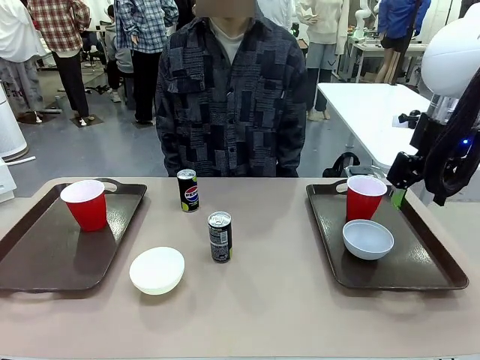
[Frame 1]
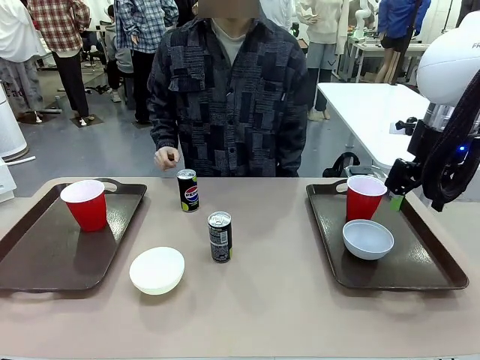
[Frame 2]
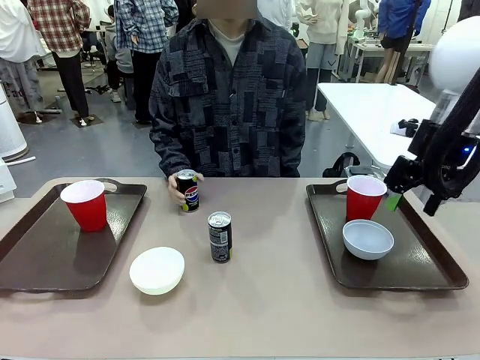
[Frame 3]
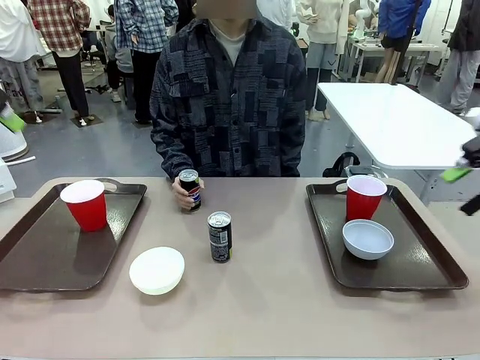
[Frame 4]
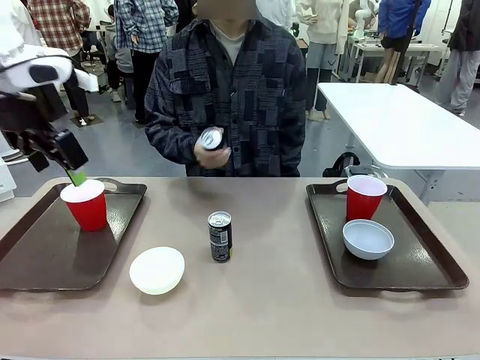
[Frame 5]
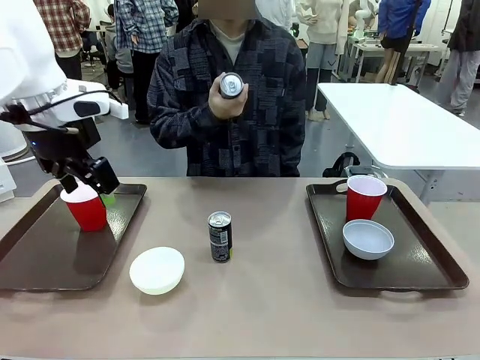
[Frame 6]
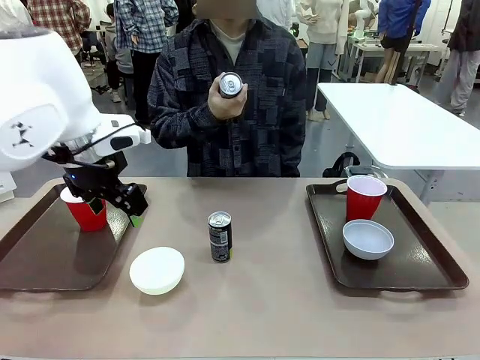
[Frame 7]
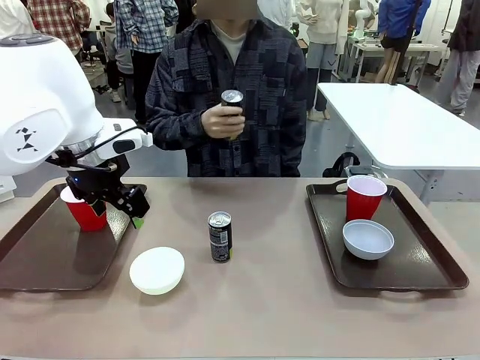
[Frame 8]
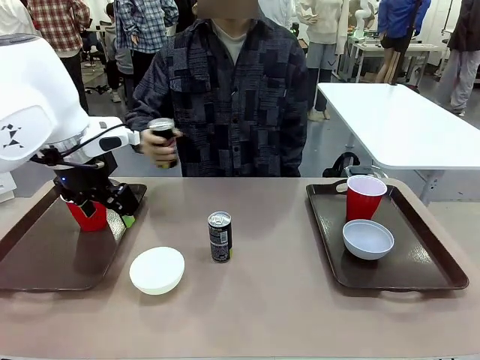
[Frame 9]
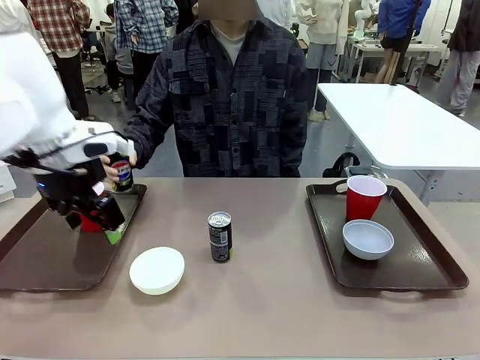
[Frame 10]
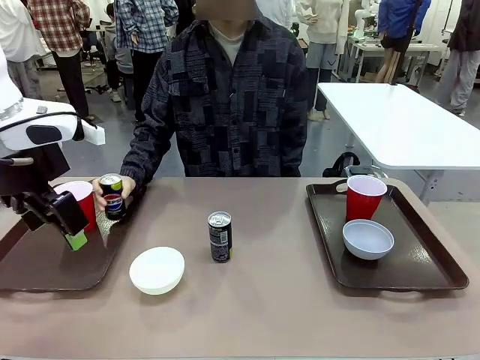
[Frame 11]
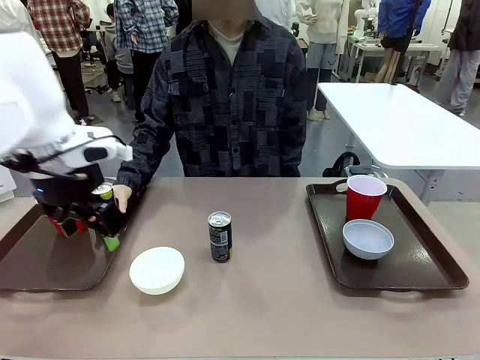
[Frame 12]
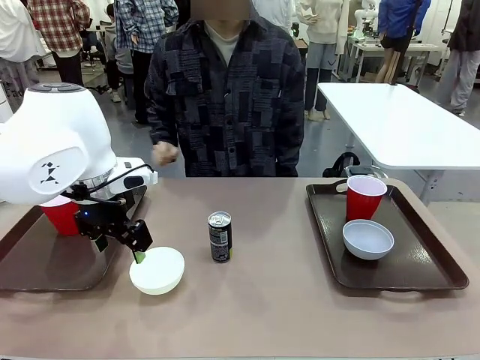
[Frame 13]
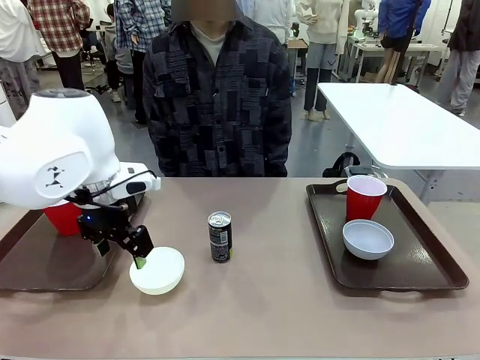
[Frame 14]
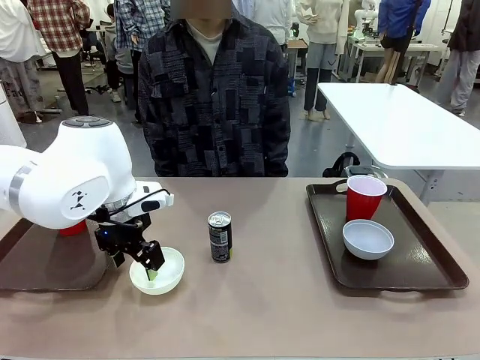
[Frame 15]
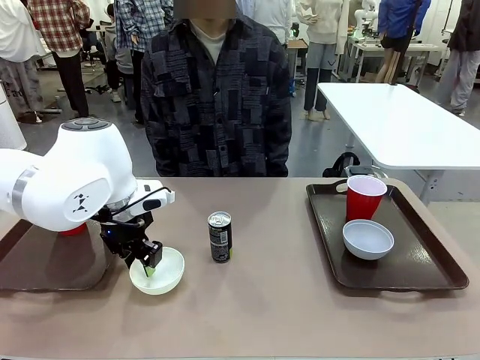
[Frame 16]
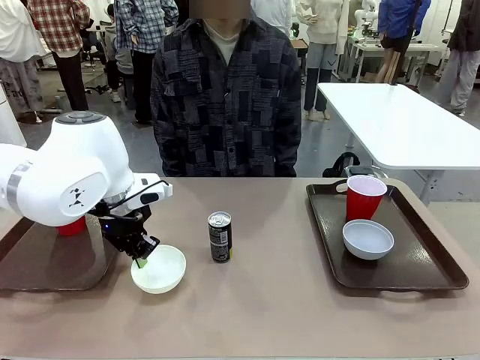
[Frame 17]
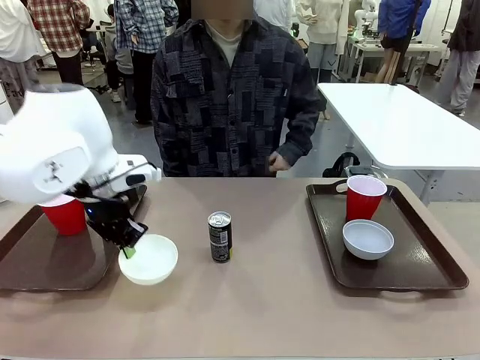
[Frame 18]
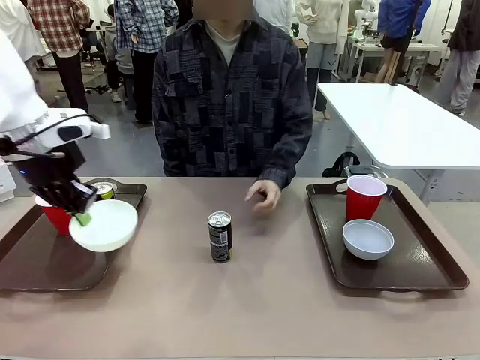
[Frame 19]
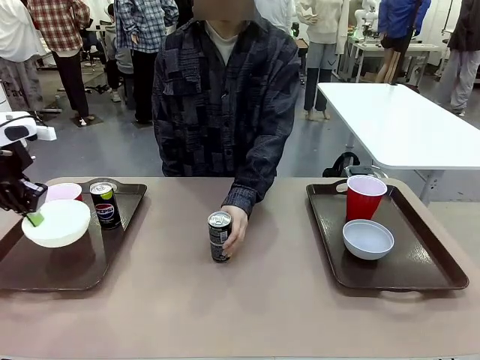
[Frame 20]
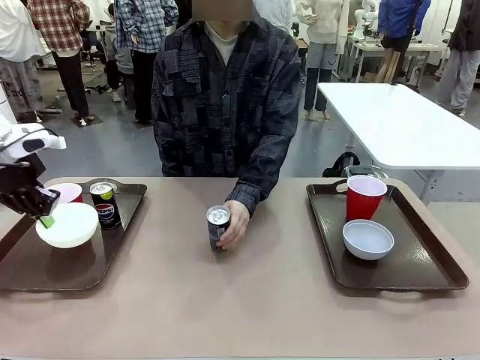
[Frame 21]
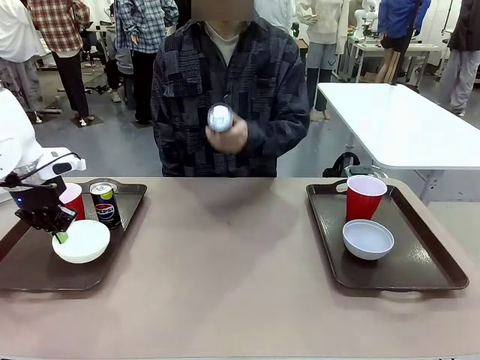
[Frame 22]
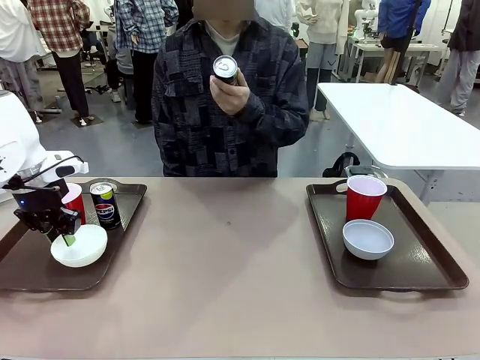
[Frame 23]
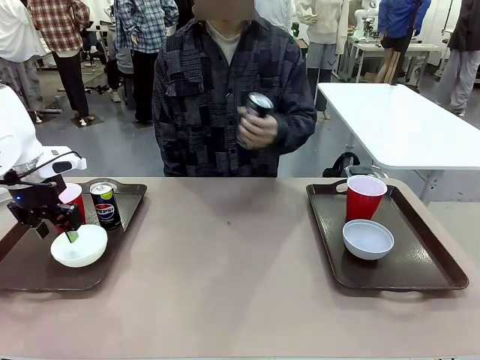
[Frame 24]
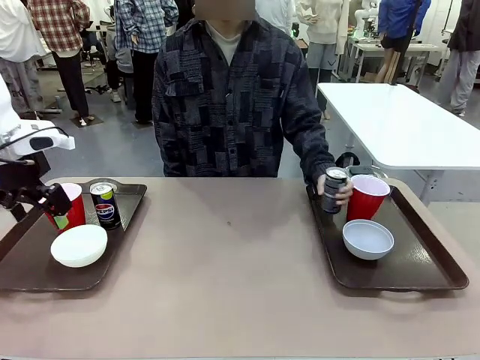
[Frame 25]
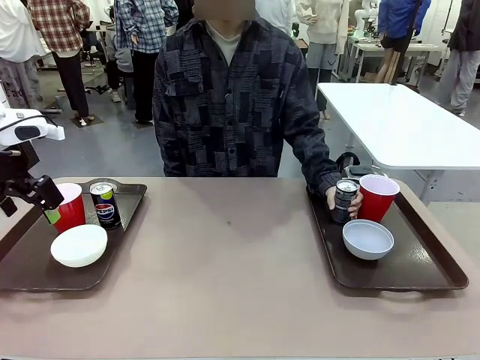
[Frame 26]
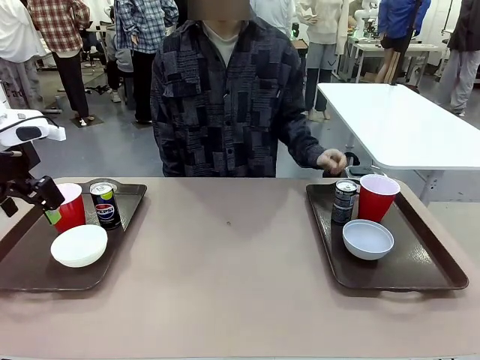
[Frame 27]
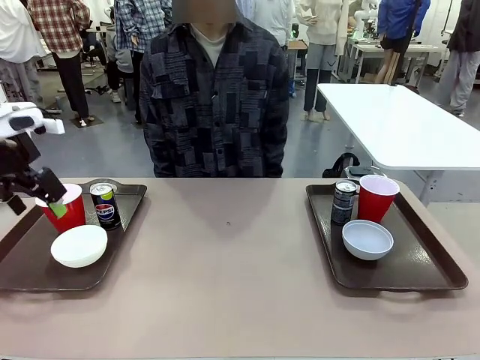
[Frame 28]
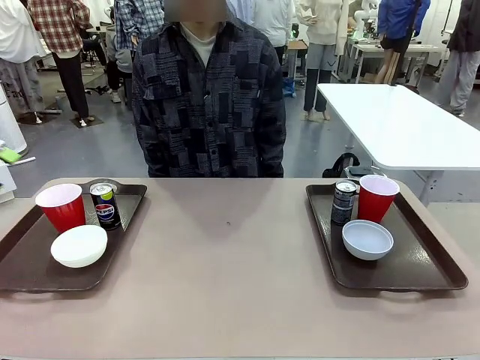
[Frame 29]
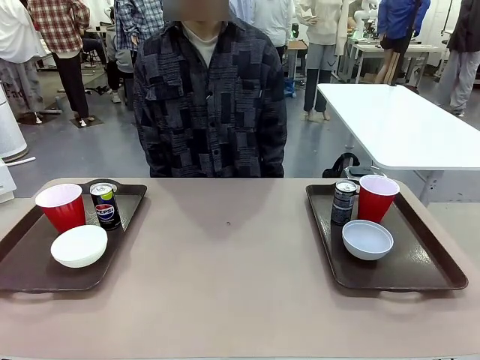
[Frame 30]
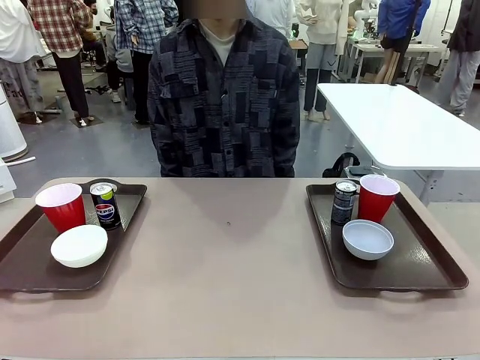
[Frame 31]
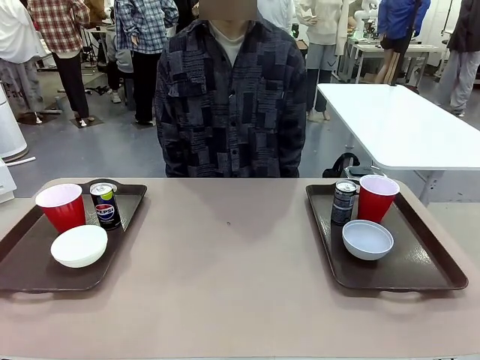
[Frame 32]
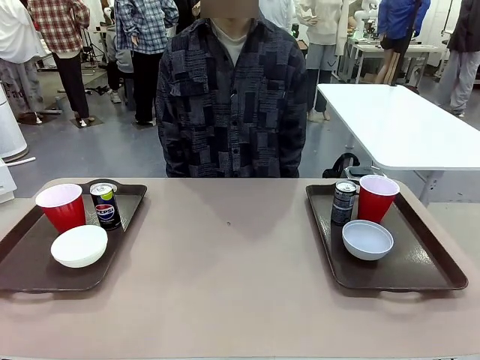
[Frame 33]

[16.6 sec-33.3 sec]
Task: Prepare tableware on both trays.
Robot: Pick up a Picnic Bowl from the table and place it on a Handle tray.
Person: Pick up a can or cup and place it on the tray without a can or cup.

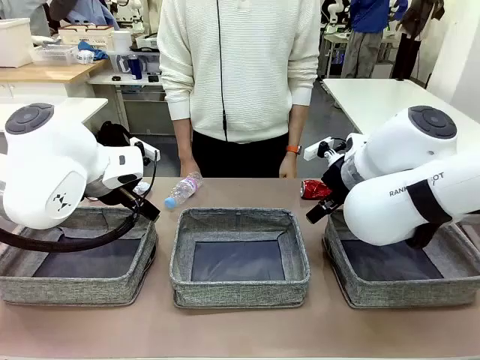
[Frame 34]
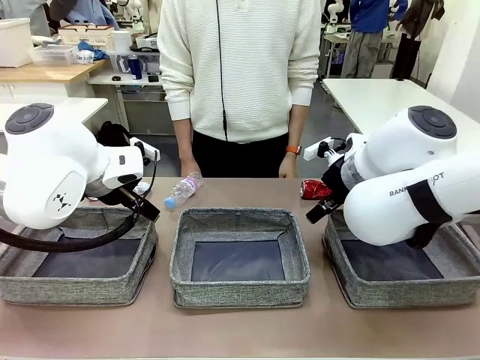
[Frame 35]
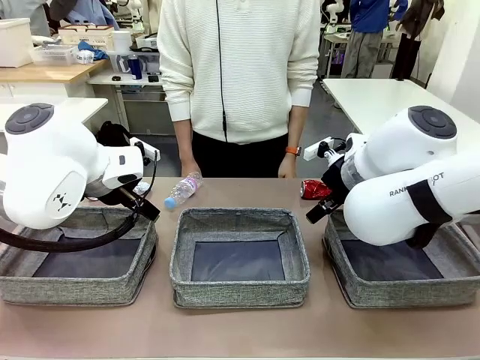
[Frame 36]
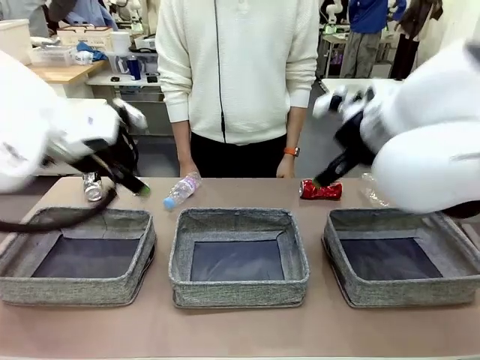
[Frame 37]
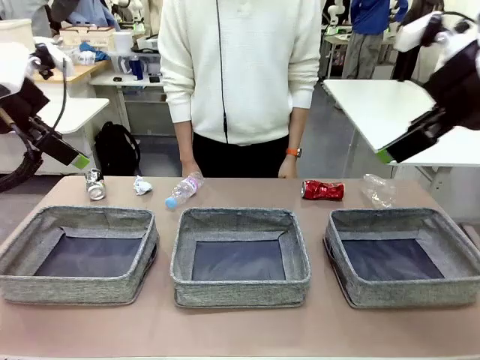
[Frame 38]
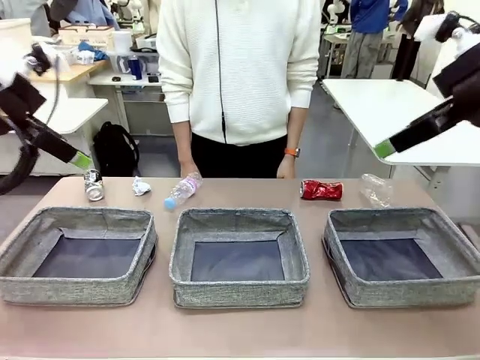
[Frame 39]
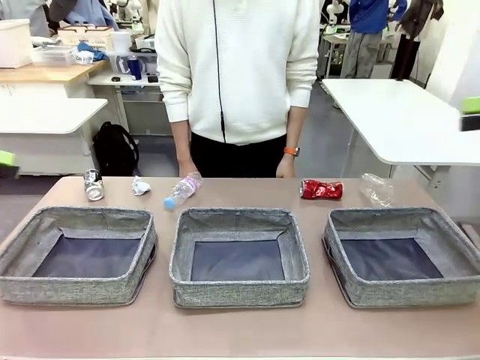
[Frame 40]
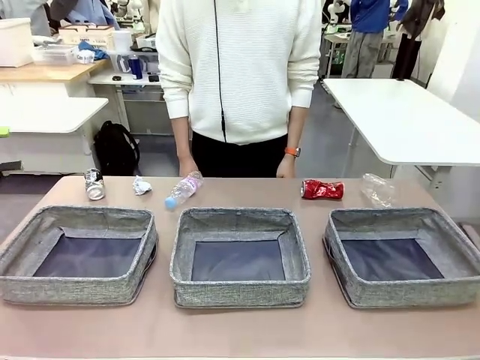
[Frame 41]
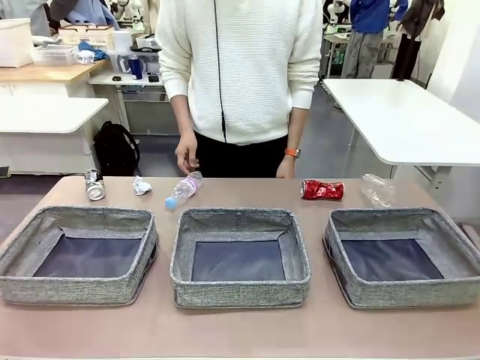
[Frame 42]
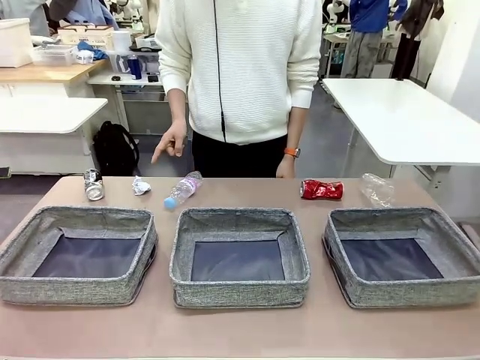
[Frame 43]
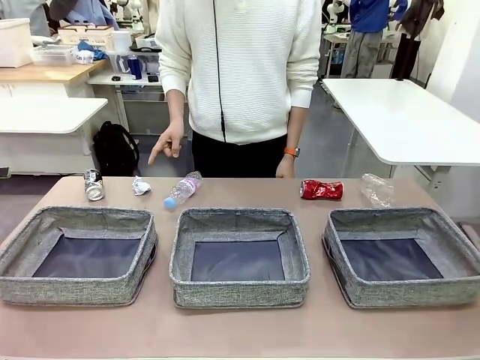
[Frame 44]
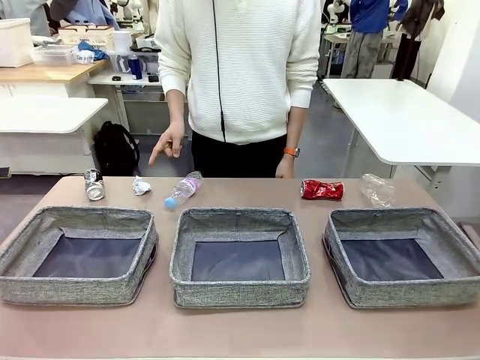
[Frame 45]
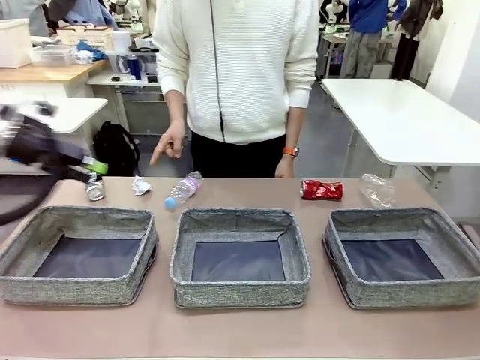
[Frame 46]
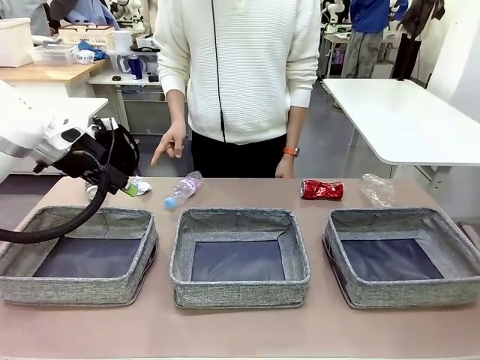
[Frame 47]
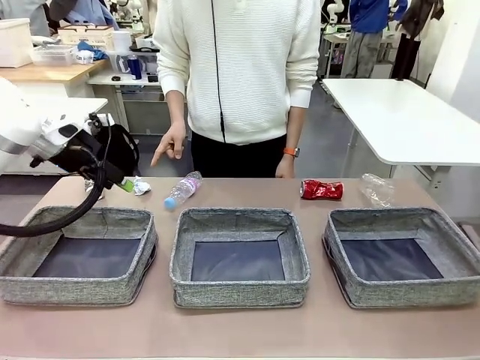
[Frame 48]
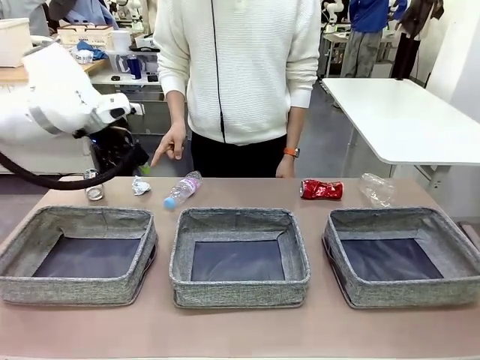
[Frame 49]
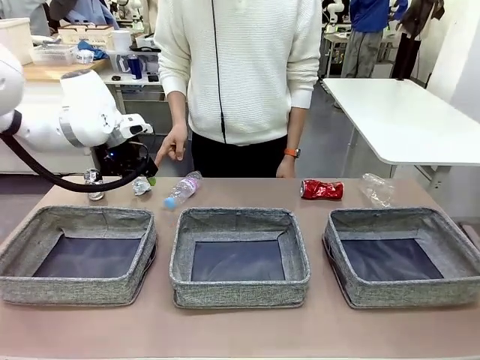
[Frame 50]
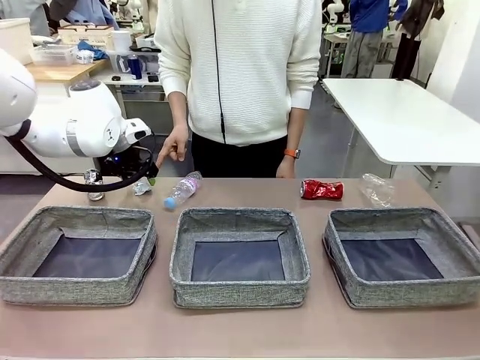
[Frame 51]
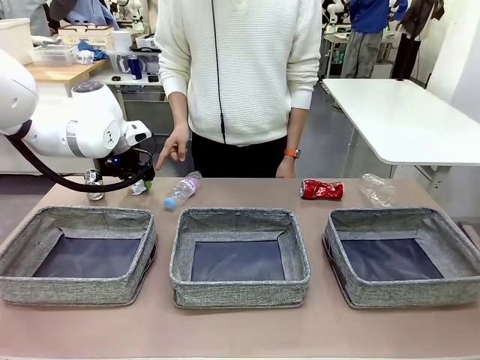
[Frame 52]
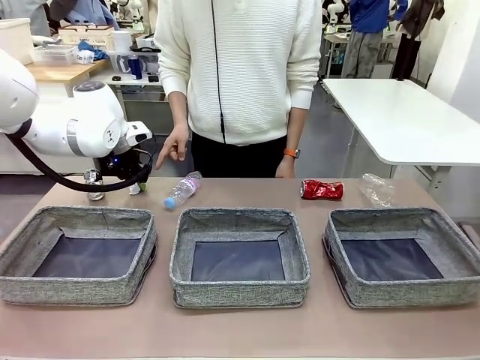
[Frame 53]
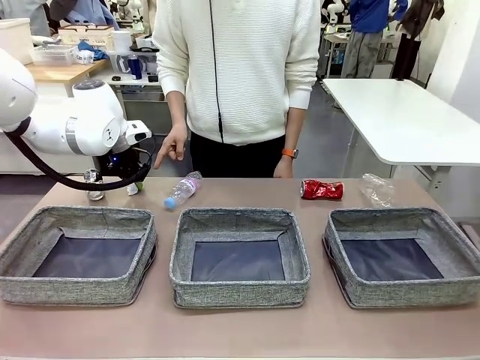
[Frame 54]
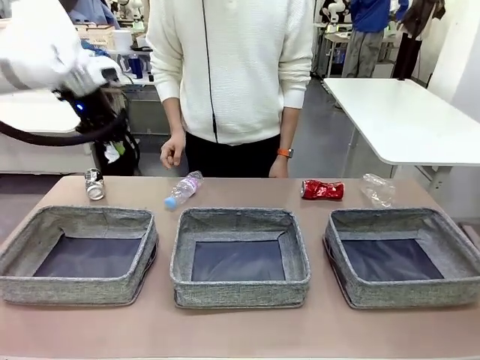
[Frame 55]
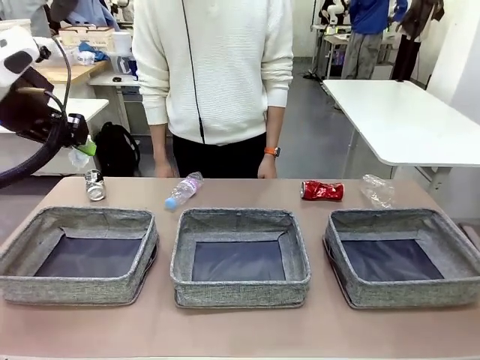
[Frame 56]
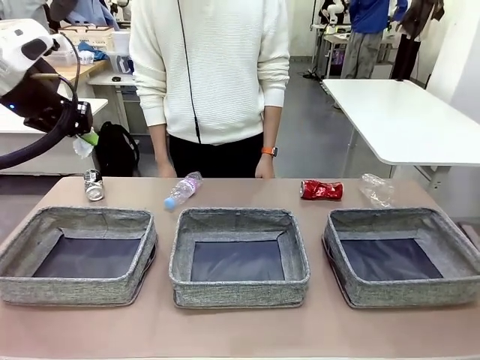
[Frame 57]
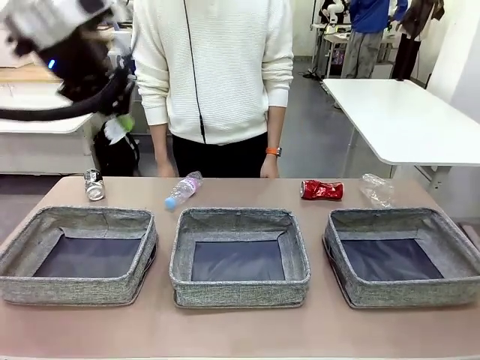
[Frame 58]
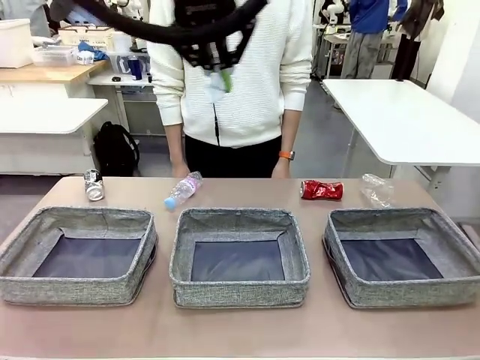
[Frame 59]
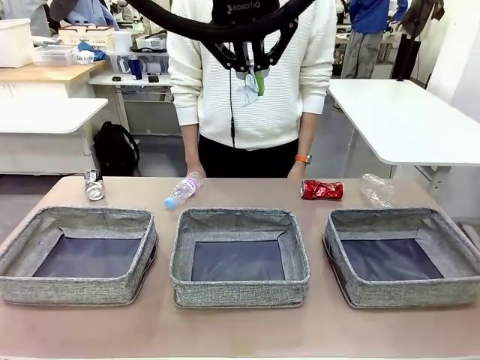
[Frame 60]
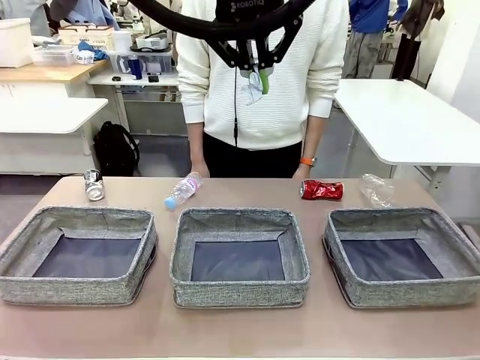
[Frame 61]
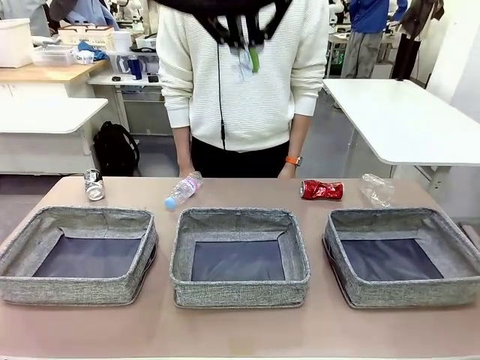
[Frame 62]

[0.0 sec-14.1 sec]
Task: Sort the waste into the appropriate baskets.
Robot: Pick up the waste item pointed out by the person.
Person: Points to one piece of trash on the table.
